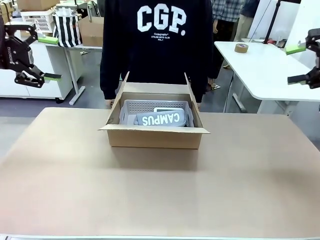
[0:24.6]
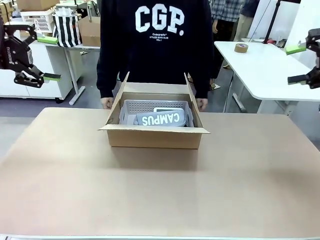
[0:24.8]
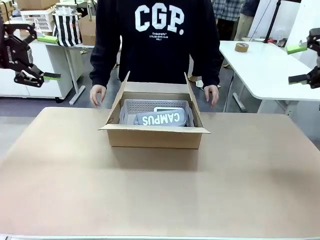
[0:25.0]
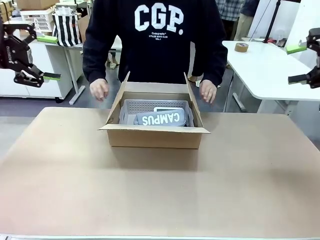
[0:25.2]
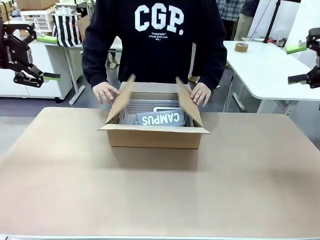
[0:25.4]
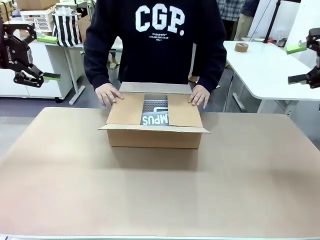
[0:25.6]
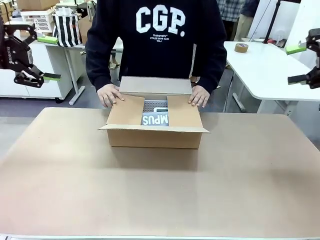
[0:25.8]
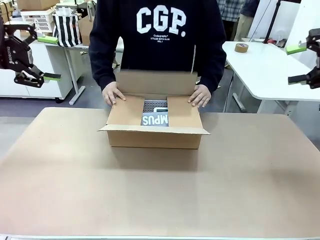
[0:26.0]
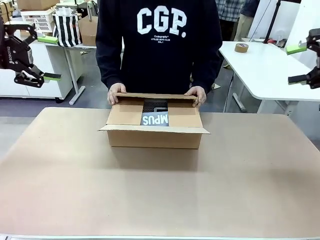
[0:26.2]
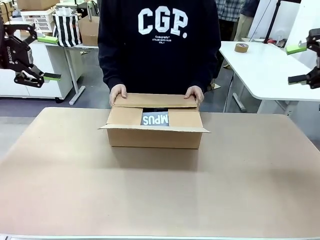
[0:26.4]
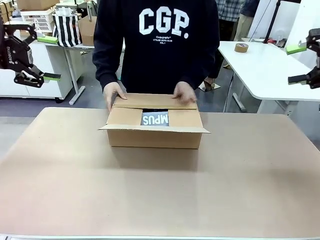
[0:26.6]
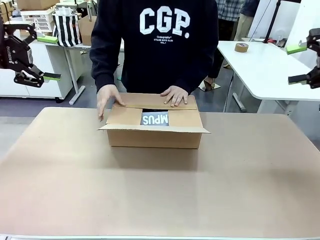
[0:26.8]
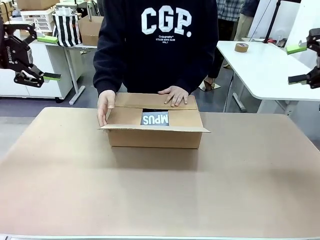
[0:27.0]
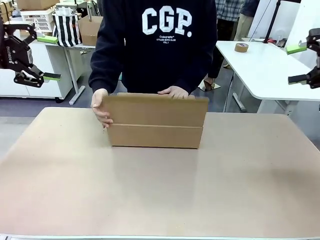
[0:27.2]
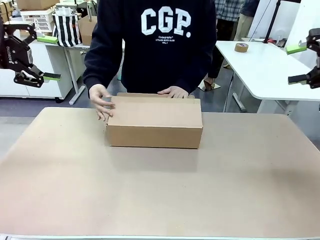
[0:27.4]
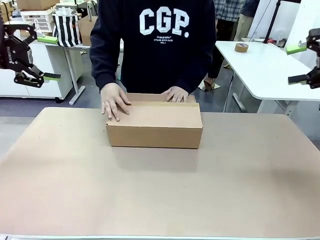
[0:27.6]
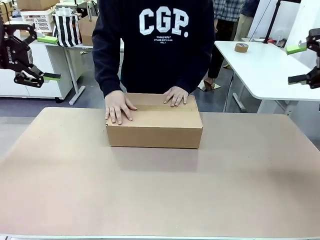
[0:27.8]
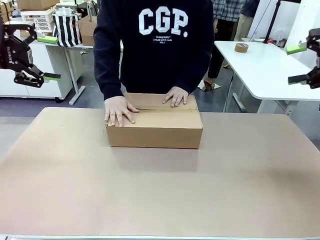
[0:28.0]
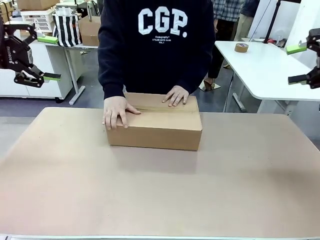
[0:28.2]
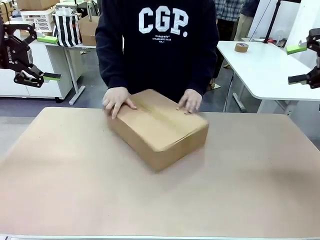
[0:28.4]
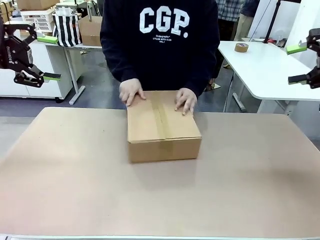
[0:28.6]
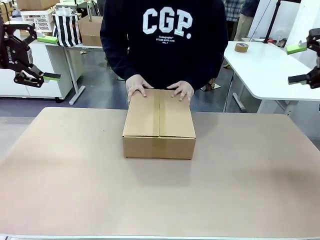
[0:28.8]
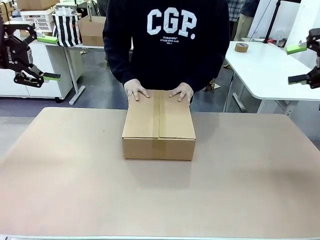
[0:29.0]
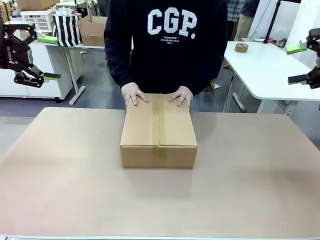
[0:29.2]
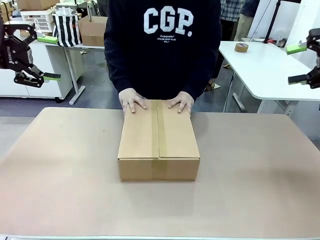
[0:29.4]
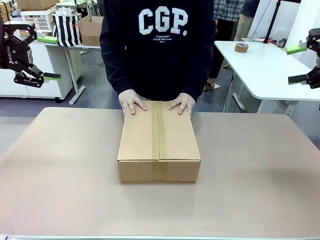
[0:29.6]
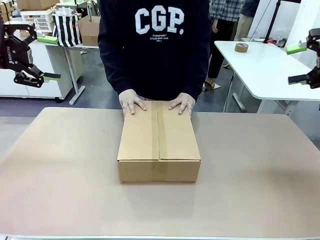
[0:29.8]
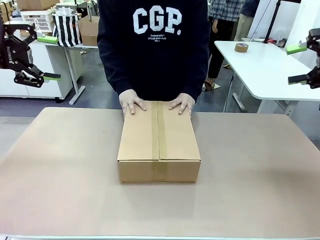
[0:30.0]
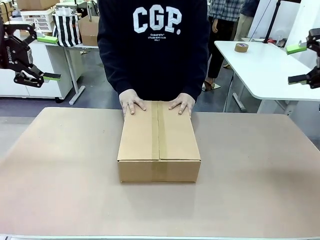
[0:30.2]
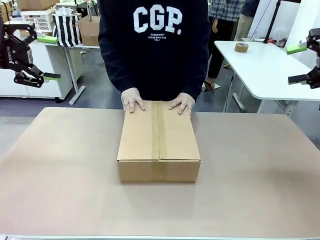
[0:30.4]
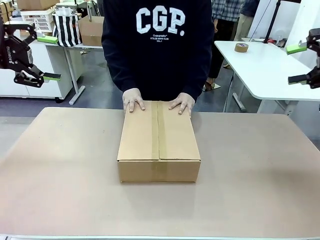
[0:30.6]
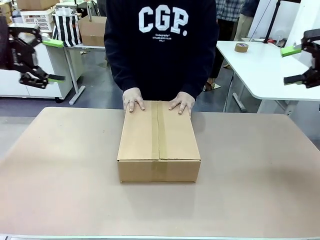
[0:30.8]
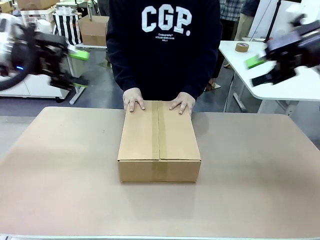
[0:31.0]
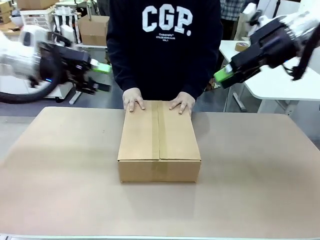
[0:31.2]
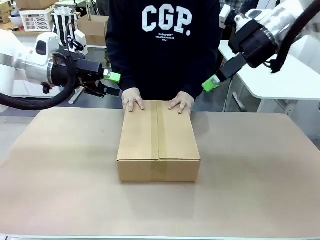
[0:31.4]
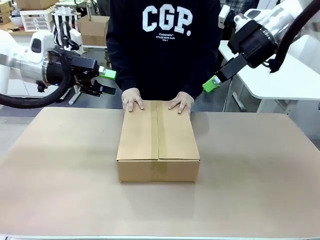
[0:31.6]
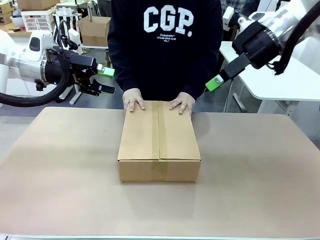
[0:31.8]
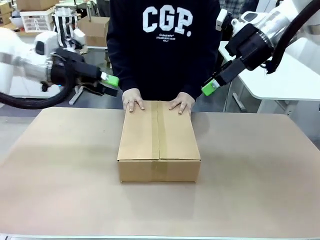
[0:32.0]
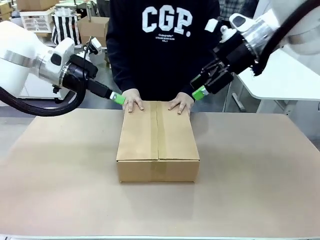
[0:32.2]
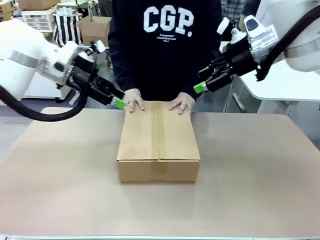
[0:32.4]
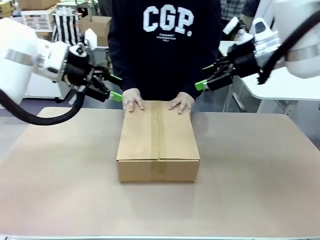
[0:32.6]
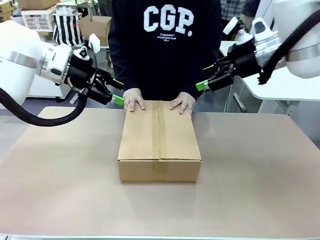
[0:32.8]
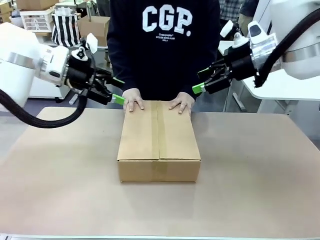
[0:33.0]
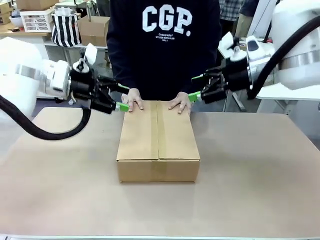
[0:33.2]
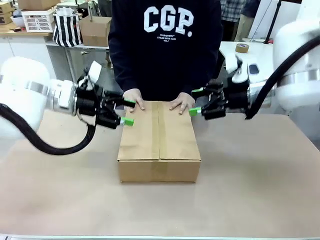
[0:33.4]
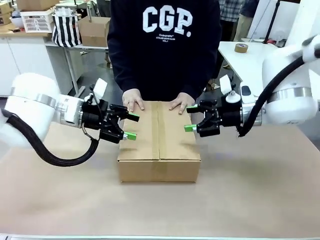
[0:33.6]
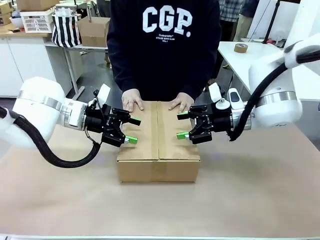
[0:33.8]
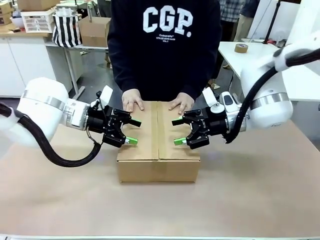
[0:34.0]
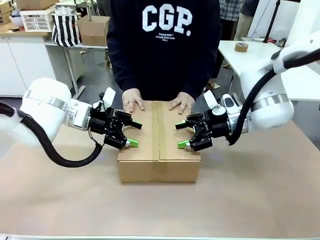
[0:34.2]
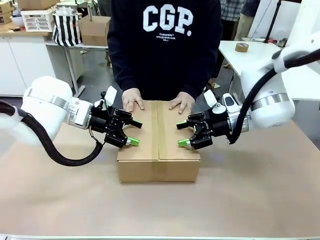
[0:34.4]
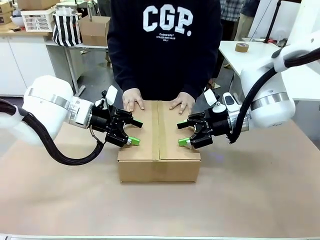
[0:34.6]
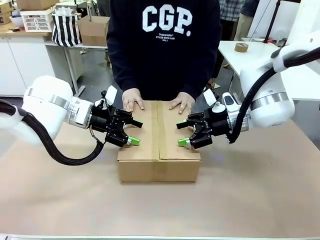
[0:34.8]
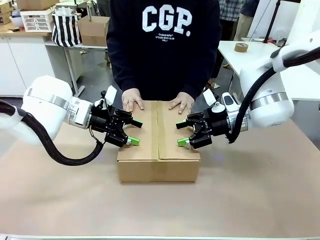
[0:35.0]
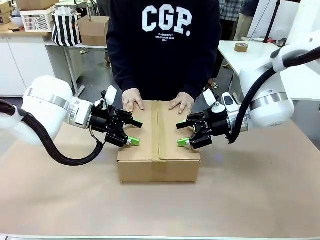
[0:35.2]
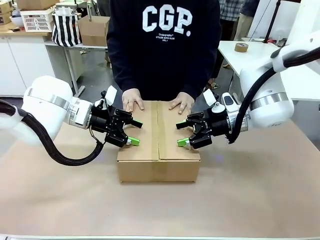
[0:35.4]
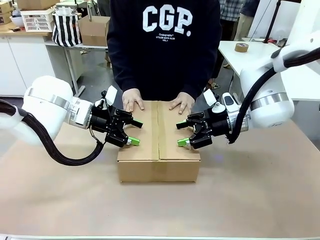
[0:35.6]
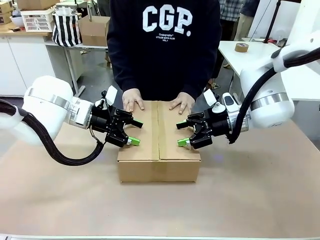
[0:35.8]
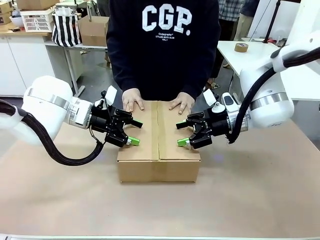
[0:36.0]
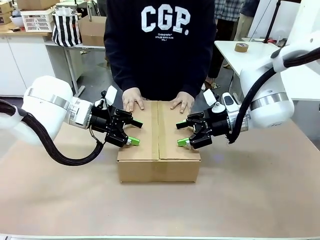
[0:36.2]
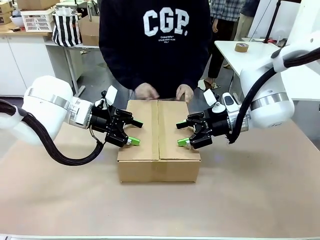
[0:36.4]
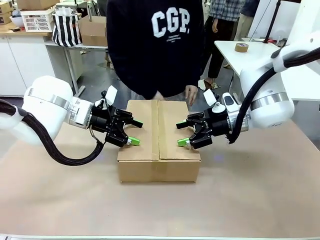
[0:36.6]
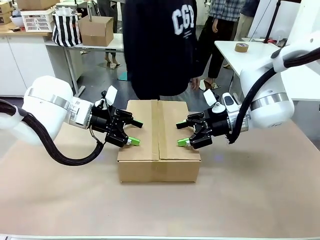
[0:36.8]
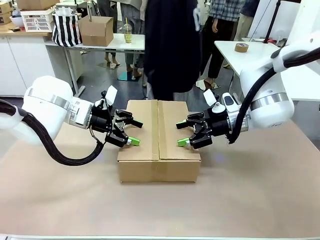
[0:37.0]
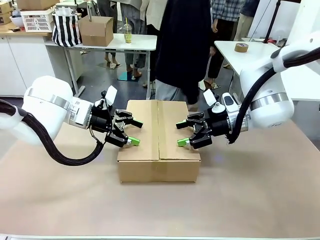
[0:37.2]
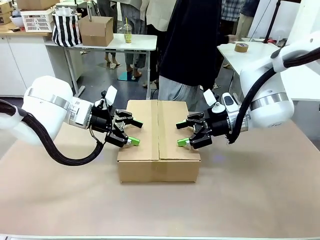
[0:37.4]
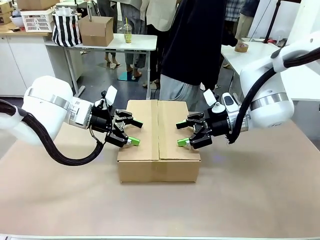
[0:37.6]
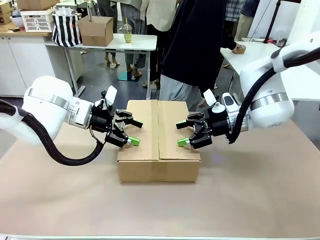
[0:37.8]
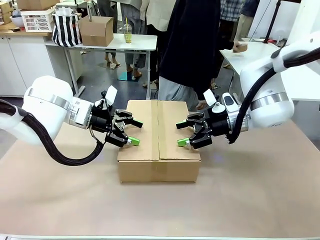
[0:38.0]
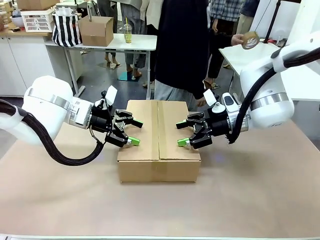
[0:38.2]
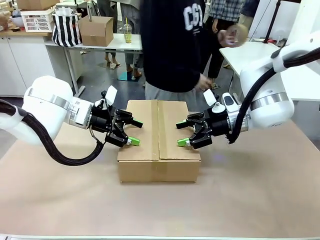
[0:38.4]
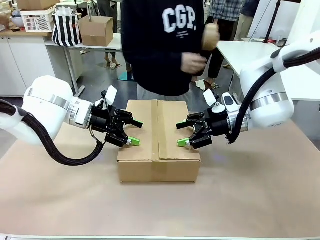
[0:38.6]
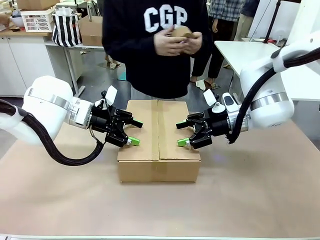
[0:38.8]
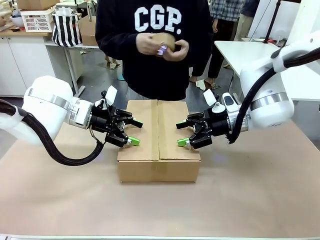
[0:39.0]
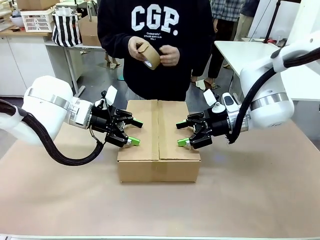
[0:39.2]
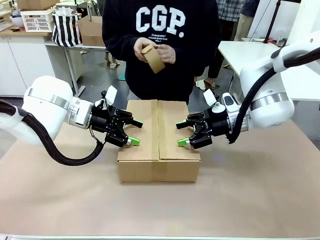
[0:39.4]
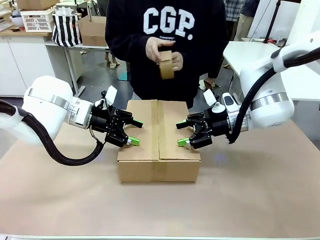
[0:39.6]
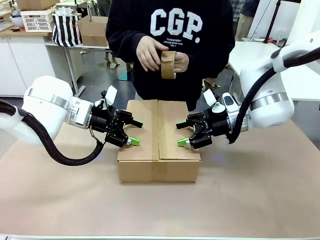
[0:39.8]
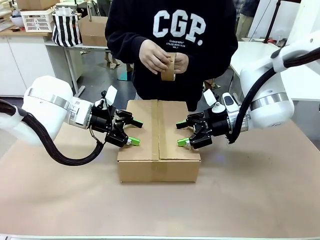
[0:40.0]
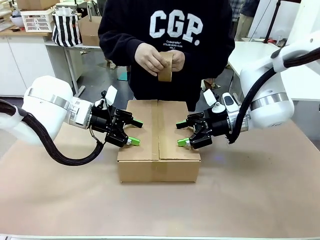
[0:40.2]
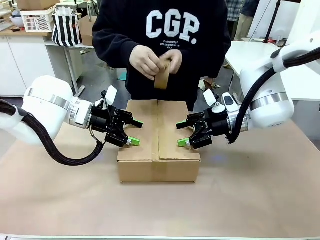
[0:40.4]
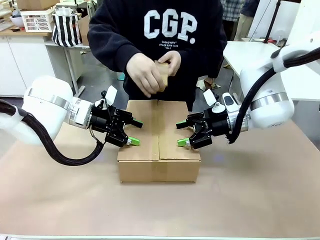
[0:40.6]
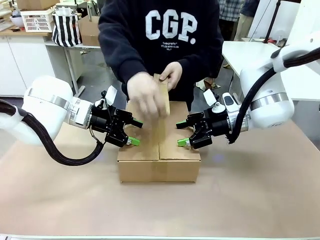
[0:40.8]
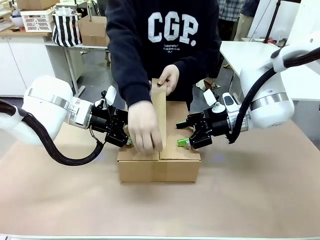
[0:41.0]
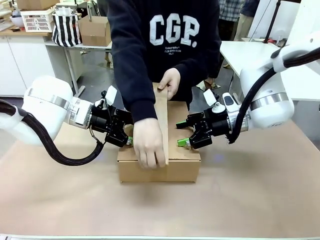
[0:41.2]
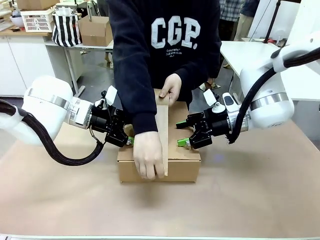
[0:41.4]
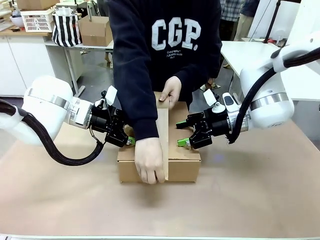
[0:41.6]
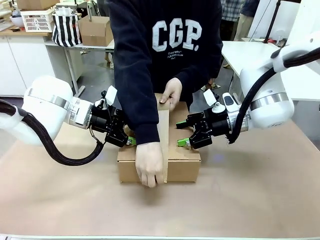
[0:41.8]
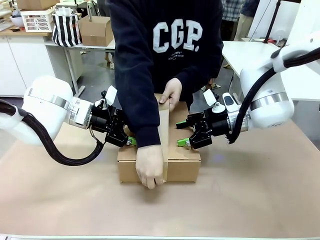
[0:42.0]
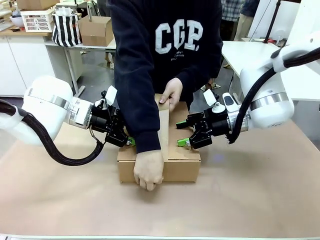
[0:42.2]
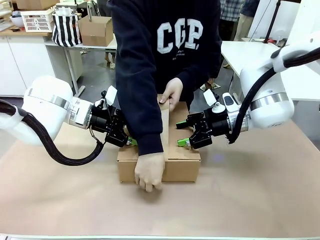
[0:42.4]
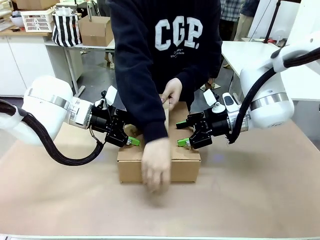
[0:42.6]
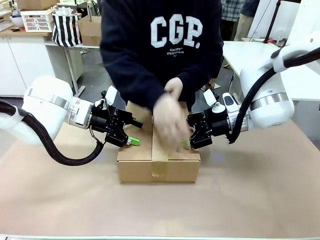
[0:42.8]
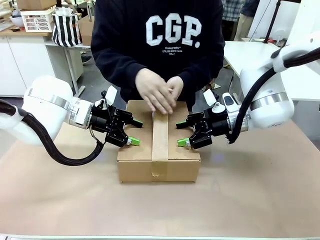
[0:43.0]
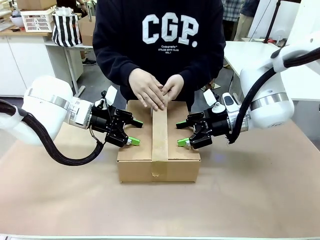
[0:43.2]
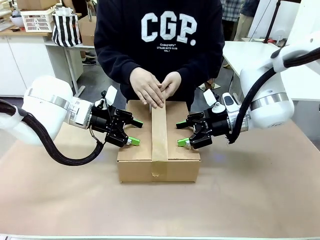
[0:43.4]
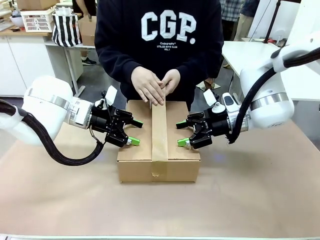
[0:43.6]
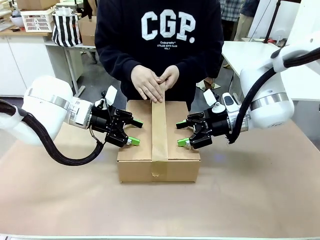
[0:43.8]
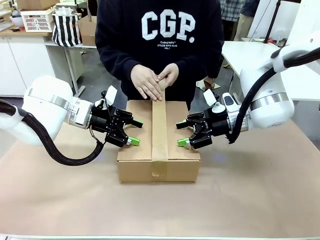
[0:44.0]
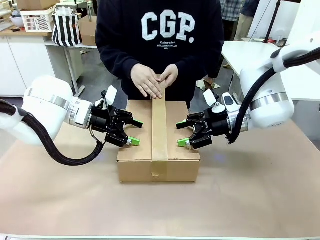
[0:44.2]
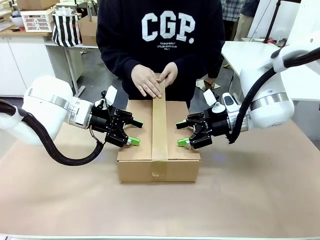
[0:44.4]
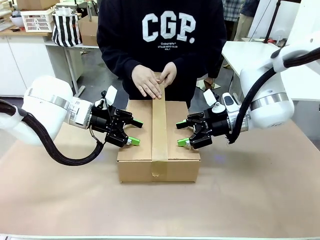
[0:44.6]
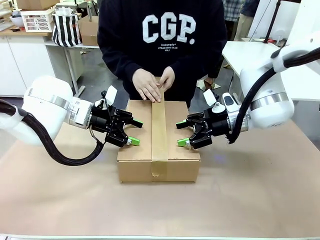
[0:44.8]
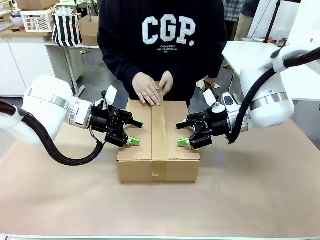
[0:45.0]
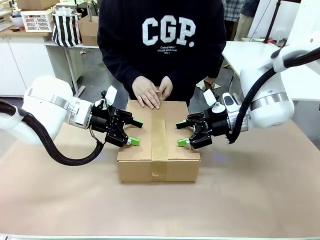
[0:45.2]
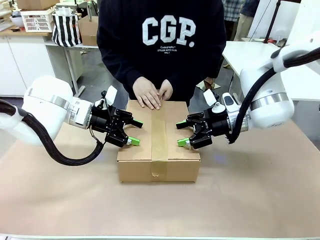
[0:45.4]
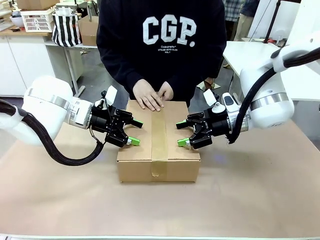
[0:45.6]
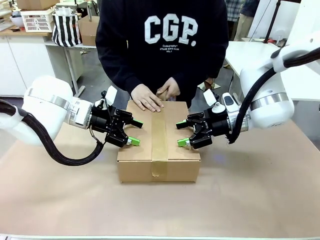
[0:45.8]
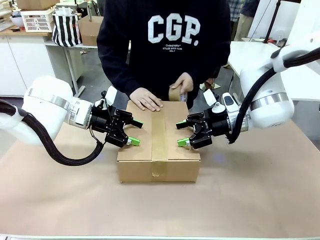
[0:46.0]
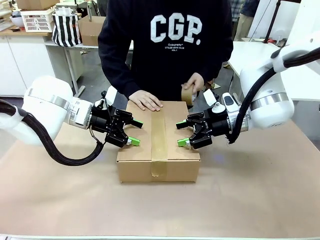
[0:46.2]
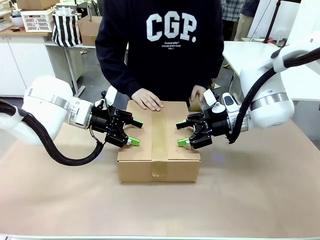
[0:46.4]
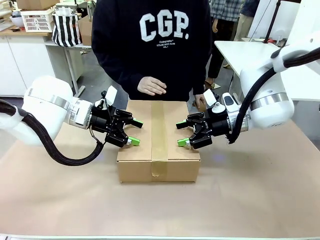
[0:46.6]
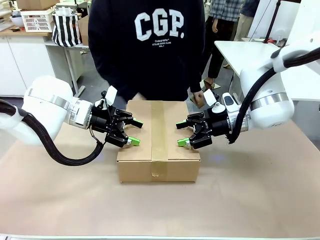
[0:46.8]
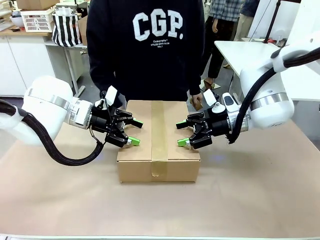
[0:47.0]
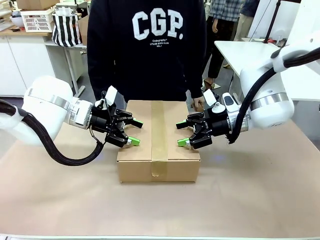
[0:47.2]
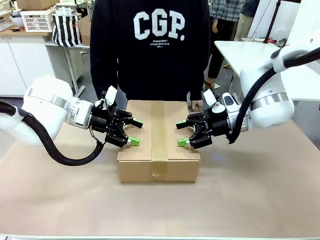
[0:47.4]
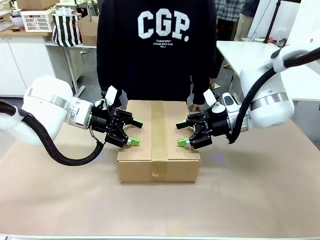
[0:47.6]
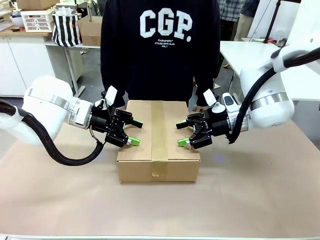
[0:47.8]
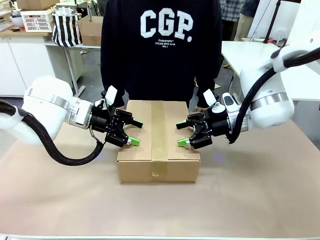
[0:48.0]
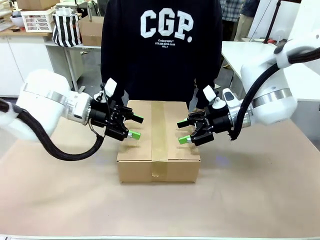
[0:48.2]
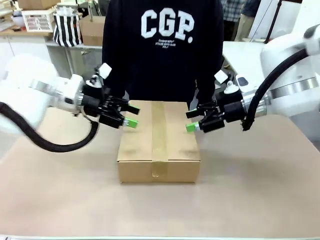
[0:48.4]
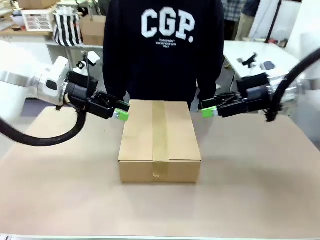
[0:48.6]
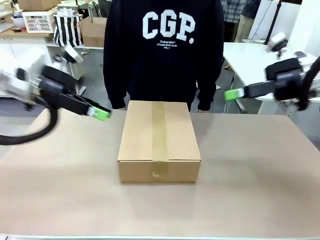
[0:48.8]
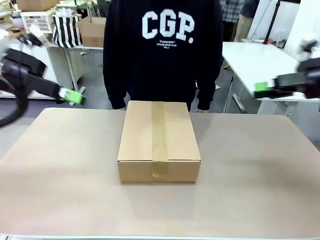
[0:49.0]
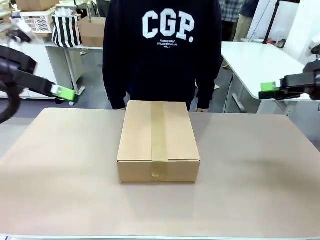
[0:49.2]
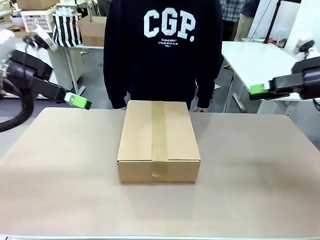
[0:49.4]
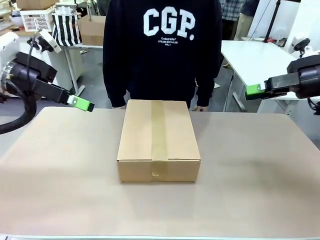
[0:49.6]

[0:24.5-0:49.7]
Task: Pack the gift set into the box.
Robot: Press and hold the closed box until the human finishes sealing it.
Person: The human closes the box and rotates the box by 90 degrees. The human picks up the paper tape from the human table and packs the box.
